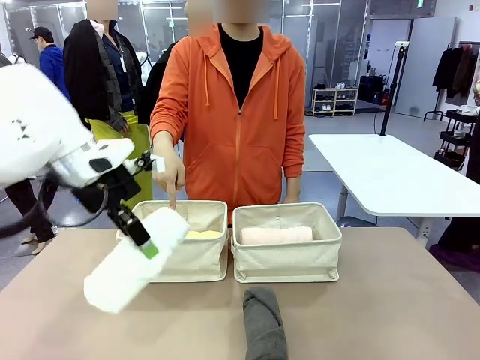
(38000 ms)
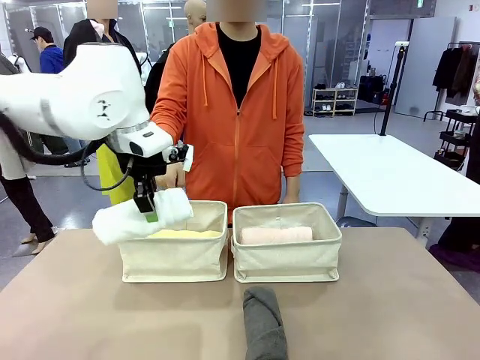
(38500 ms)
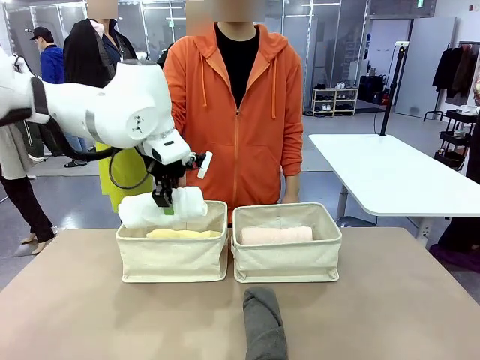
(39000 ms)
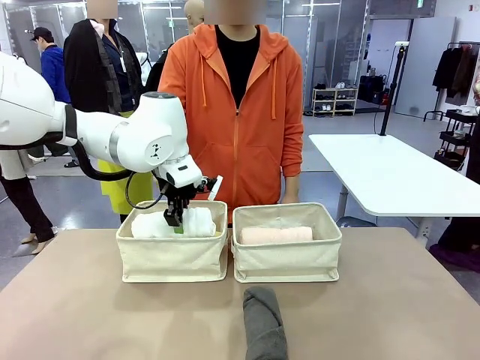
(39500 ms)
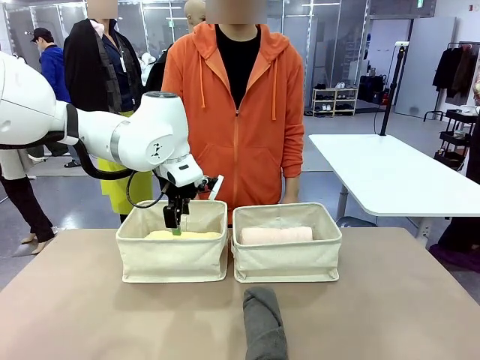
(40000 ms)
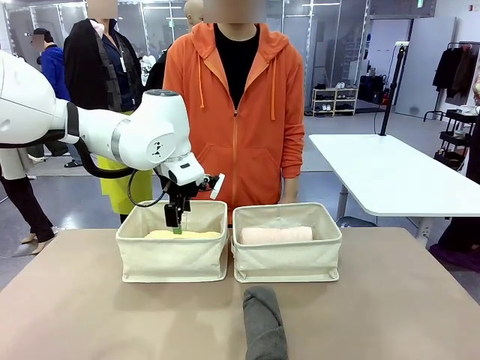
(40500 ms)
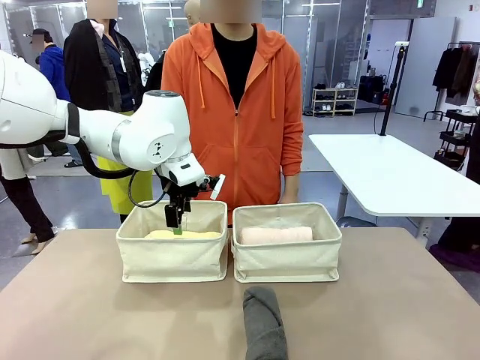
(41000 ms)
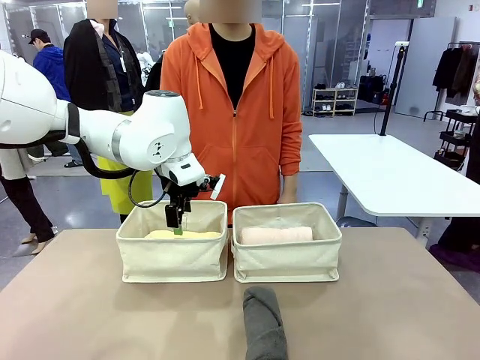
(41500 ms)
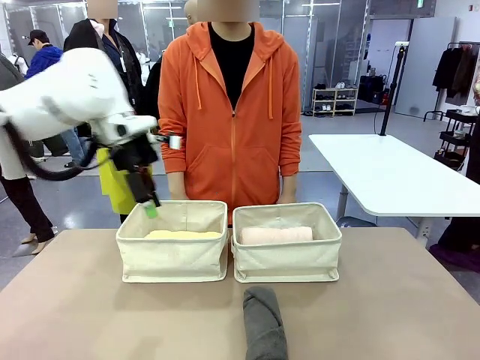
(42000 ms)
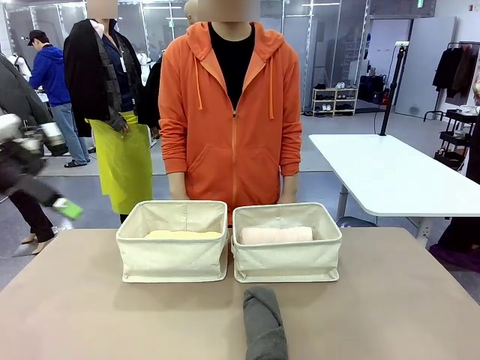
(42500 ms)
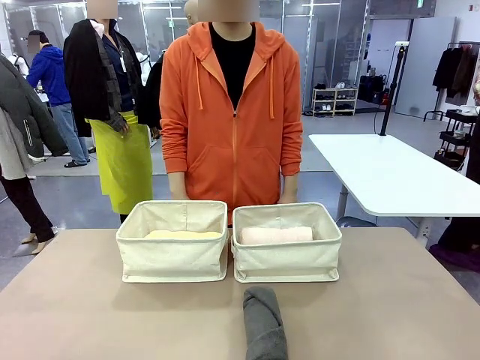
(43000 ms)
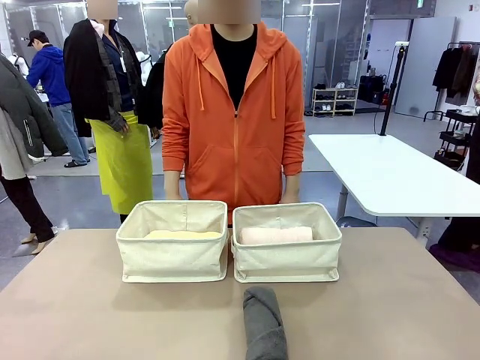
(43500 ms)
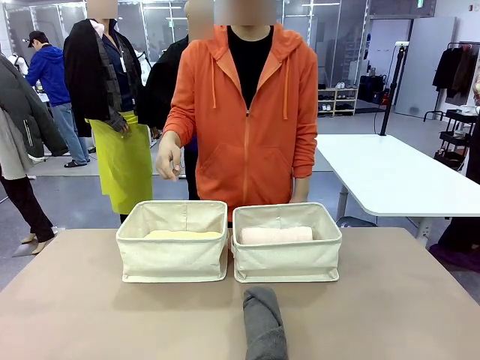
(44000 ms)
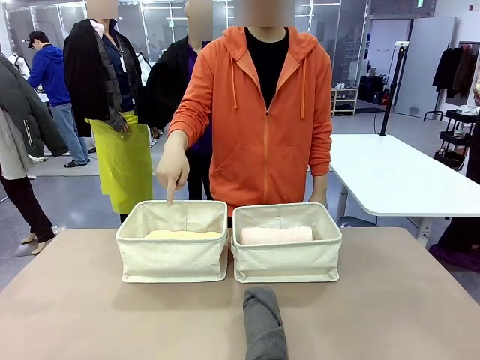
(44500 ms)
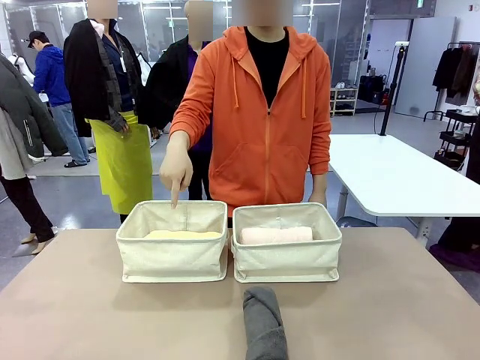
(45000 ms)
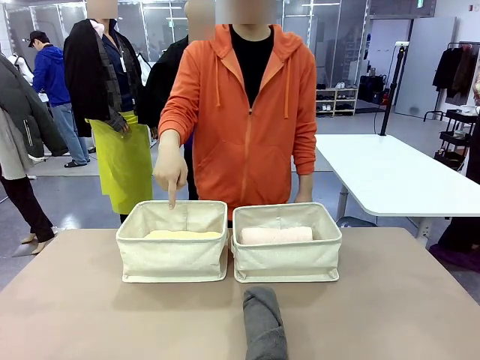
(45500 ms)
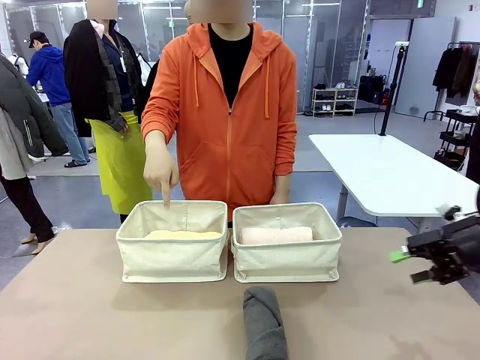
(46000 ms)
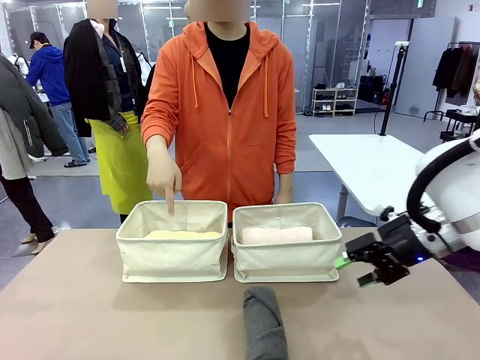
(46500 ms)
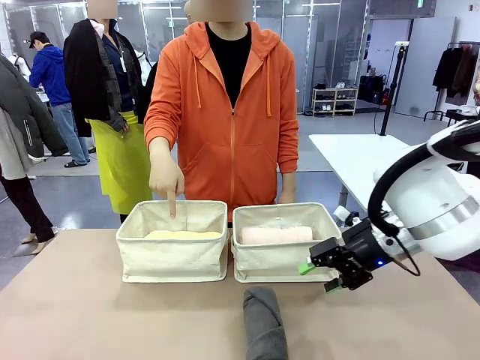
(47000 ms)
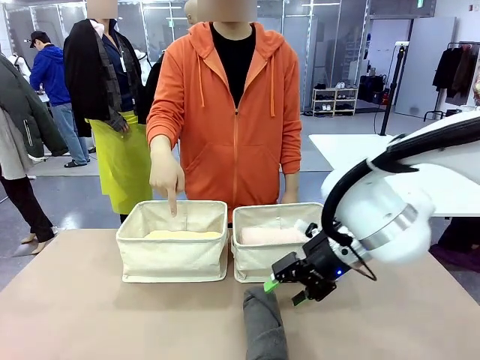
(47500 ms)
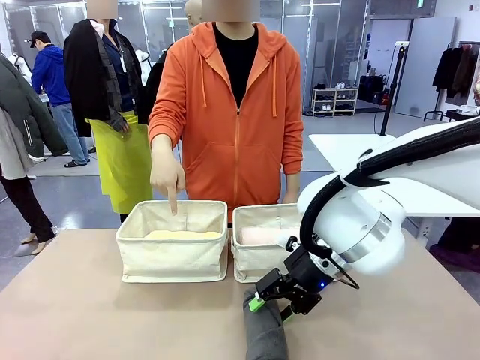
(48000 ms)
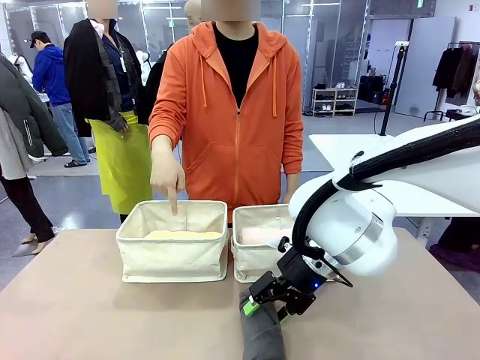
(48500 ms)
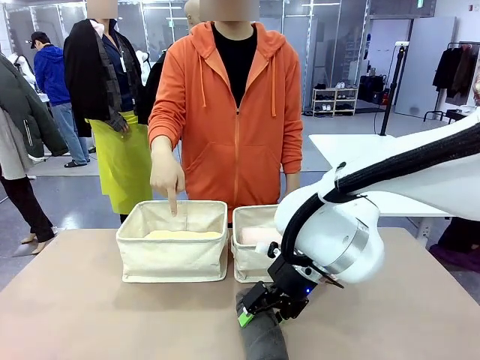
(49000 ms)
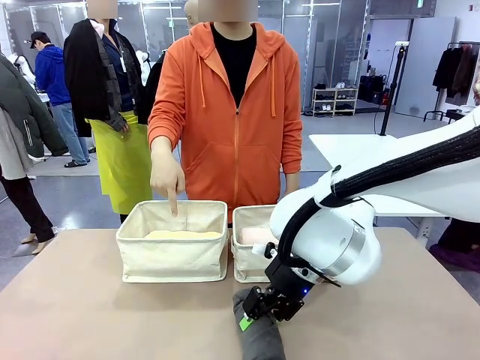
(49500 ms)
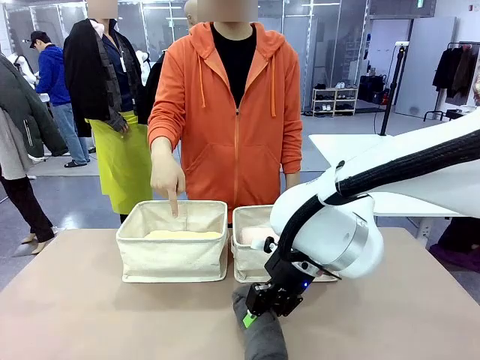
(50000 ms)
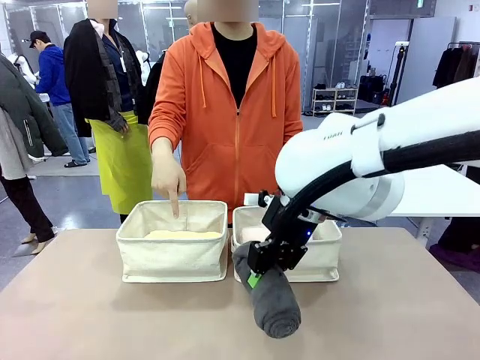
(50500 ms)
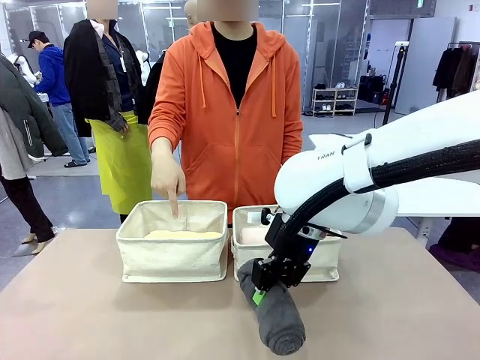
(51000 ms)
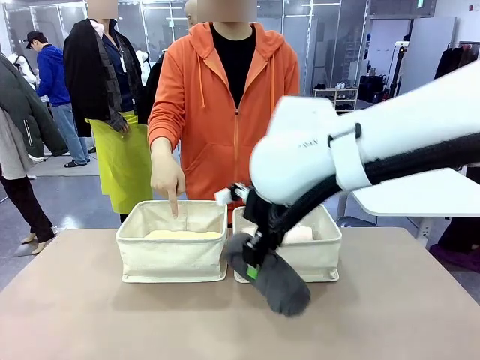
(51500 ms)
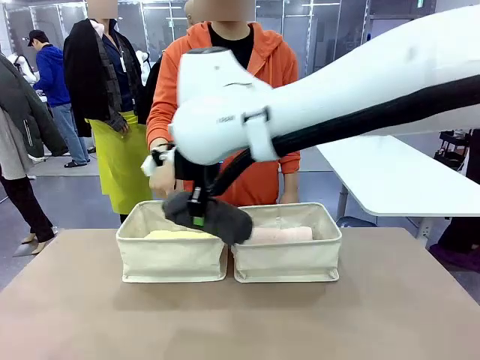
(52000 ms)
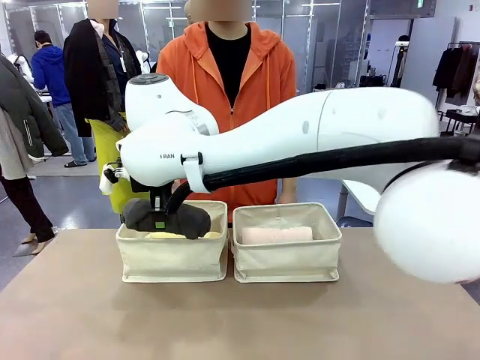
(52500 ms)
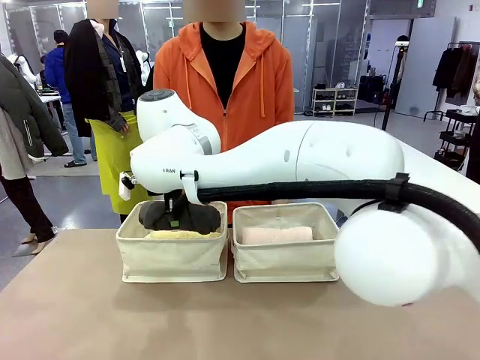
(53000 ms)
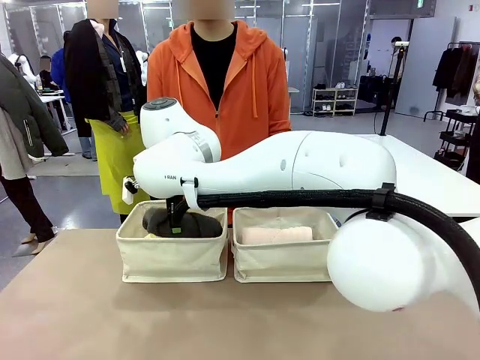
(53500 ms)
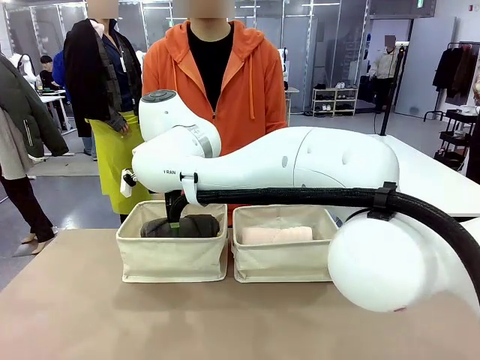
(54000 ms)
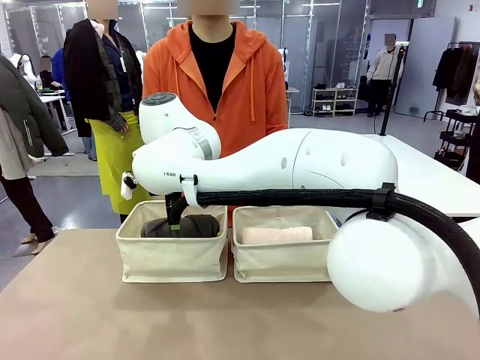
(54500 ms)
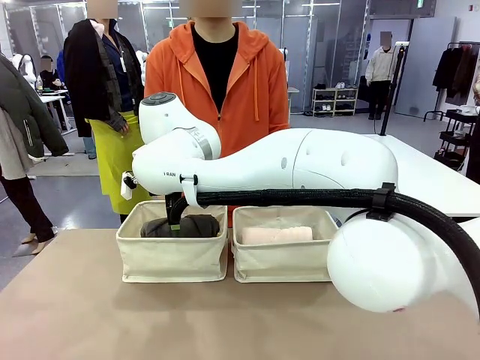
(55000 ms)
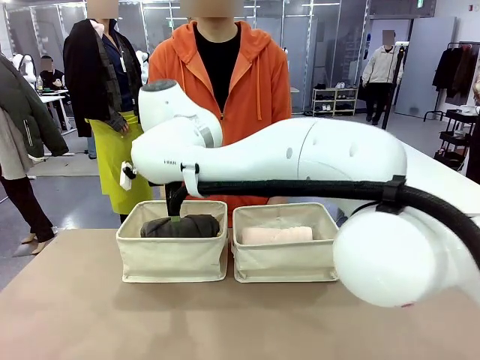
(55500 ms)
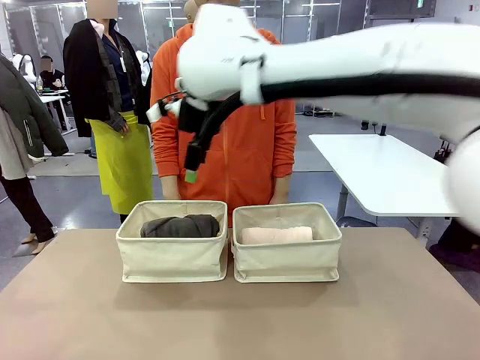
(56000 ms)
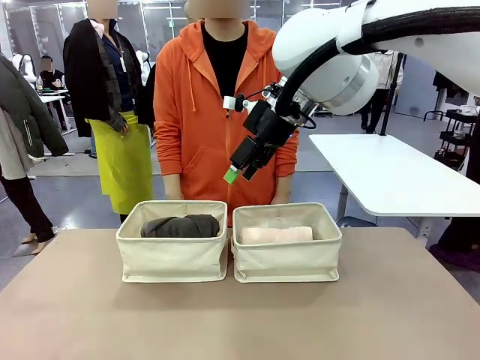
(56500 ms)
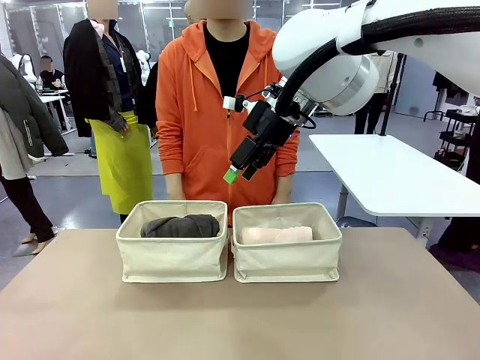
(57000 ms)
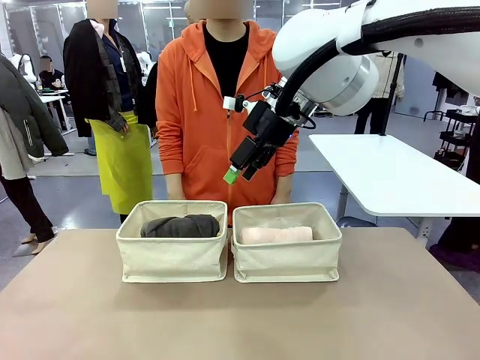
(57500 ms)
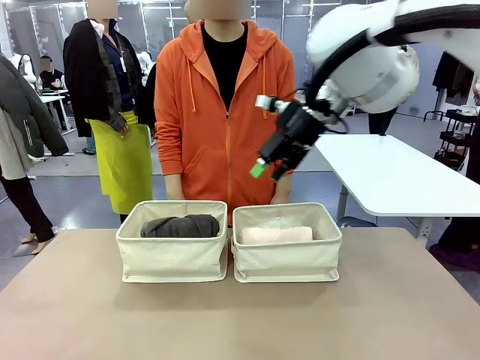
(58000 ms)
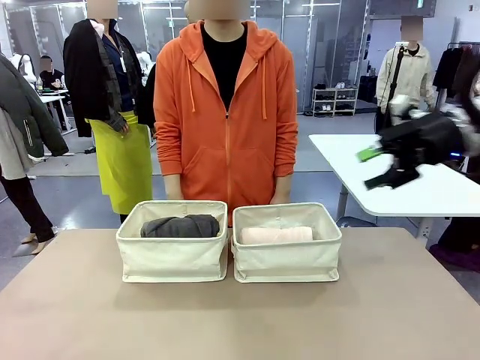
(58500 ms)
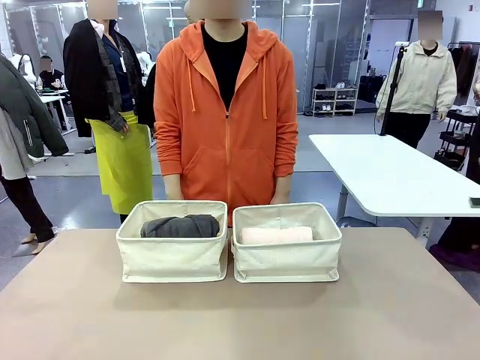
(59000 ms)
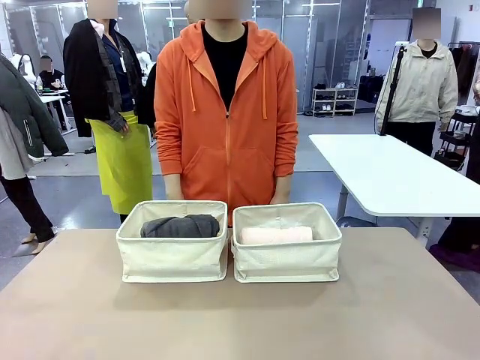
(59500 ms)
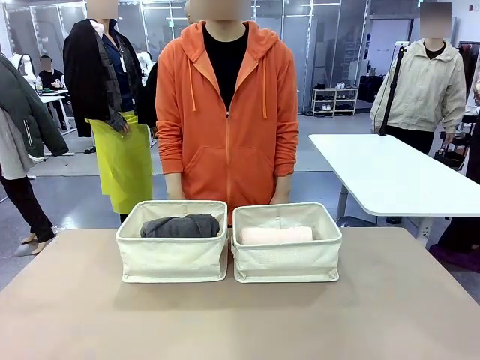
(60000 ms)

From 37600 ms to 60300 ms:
Task: Divide the towels into two baskets.
Robot: Pick up one hotel-folded towel from the bottom of the table and place it in the Fabric basket indicated by the person.
